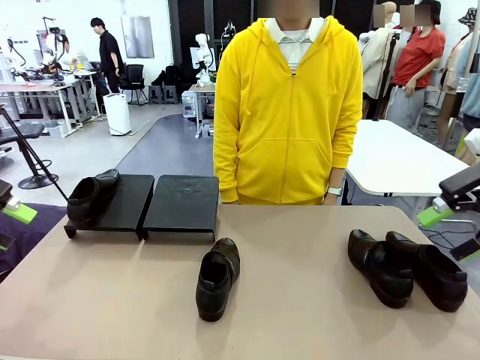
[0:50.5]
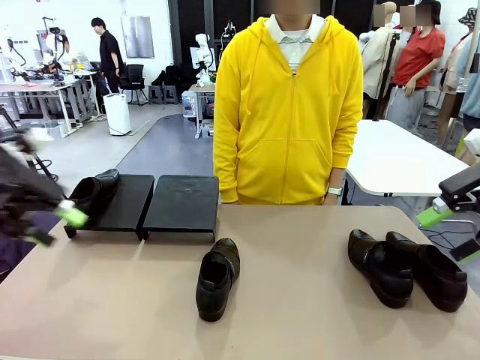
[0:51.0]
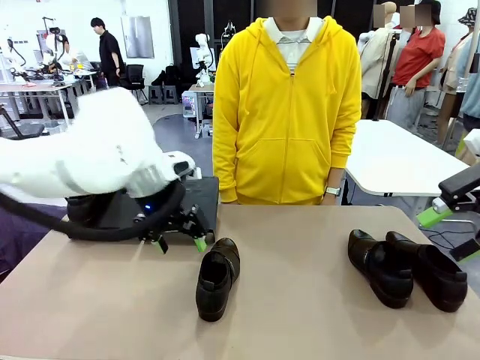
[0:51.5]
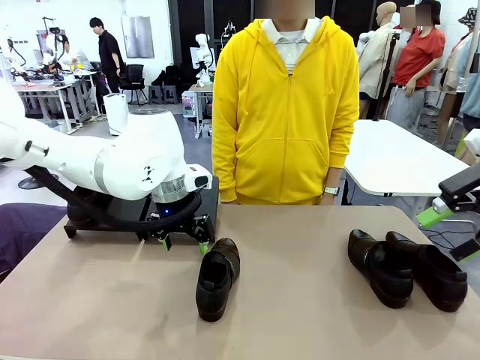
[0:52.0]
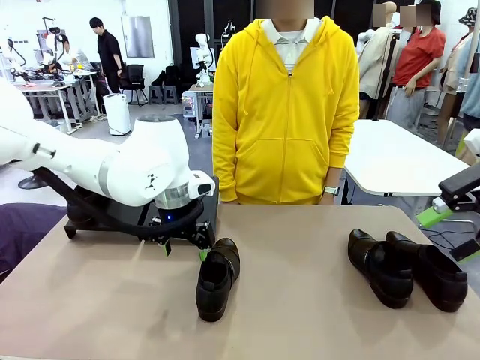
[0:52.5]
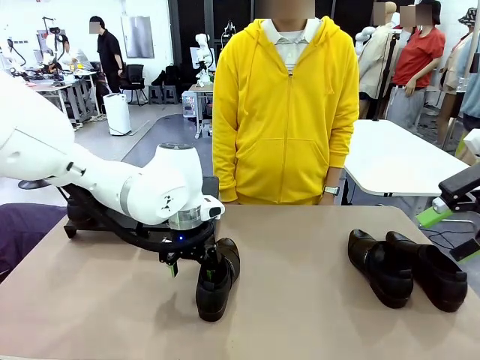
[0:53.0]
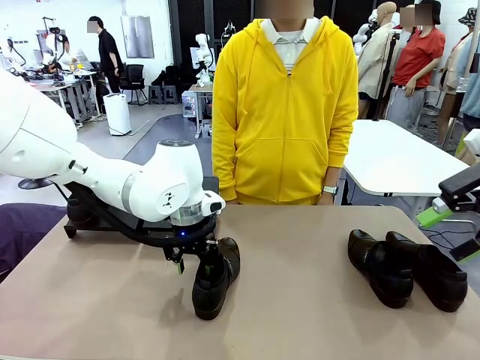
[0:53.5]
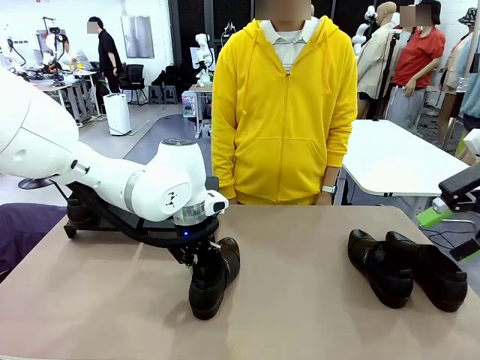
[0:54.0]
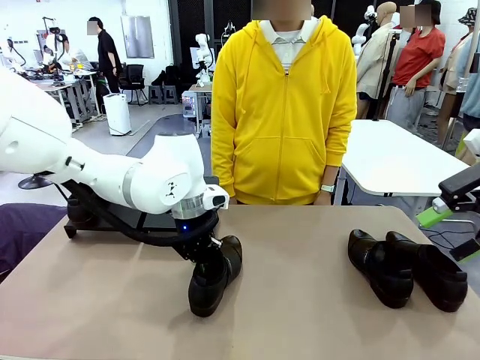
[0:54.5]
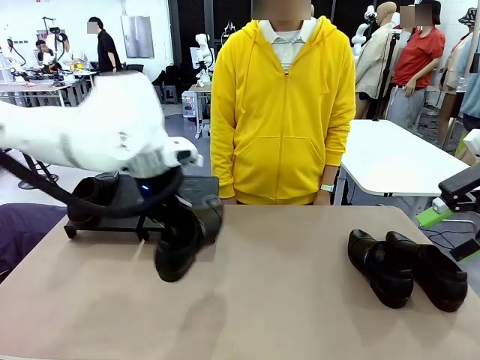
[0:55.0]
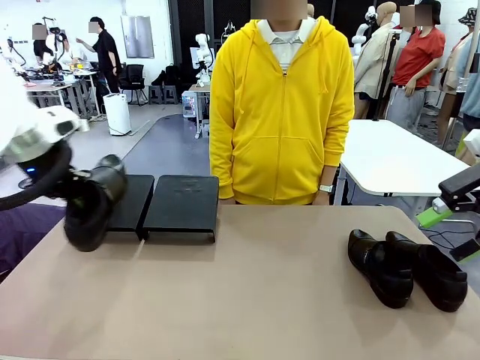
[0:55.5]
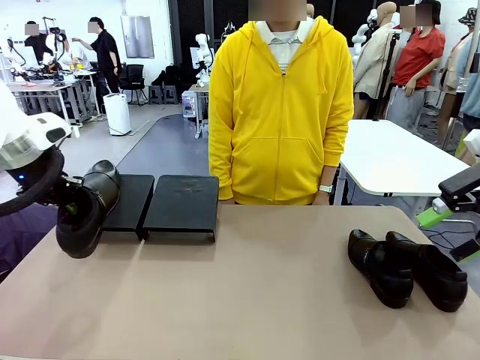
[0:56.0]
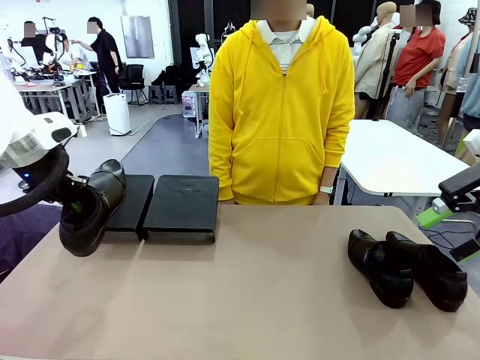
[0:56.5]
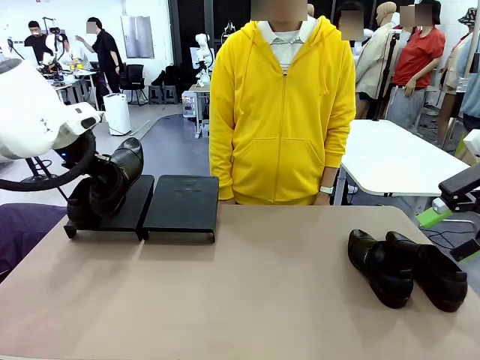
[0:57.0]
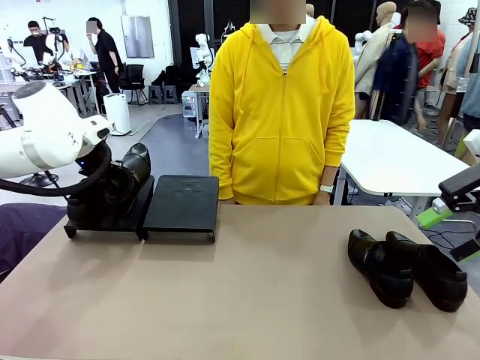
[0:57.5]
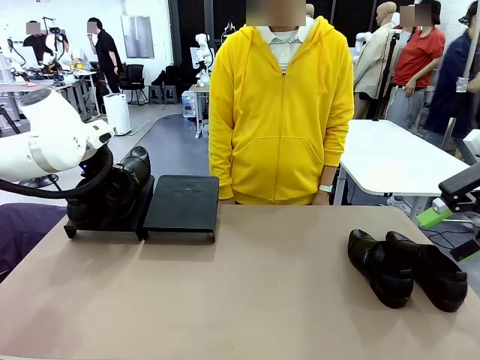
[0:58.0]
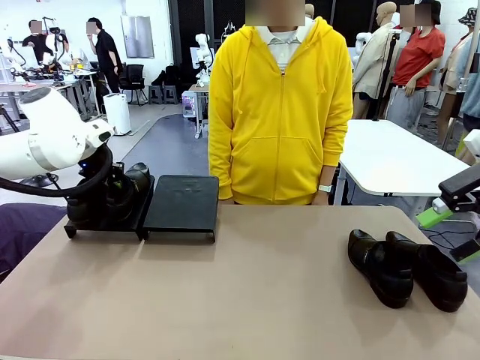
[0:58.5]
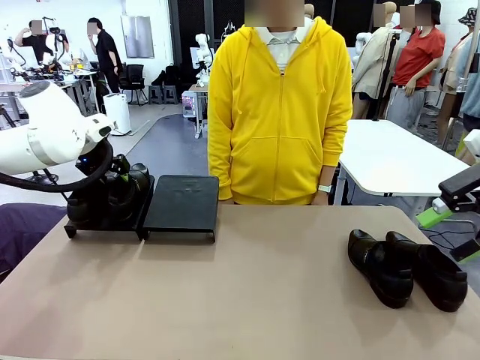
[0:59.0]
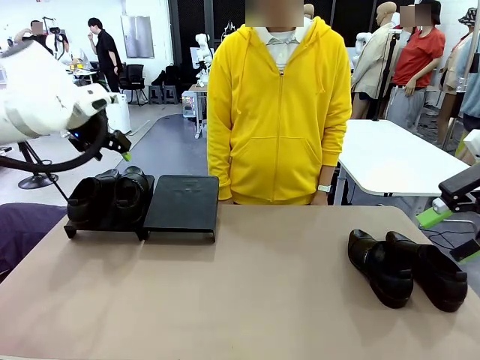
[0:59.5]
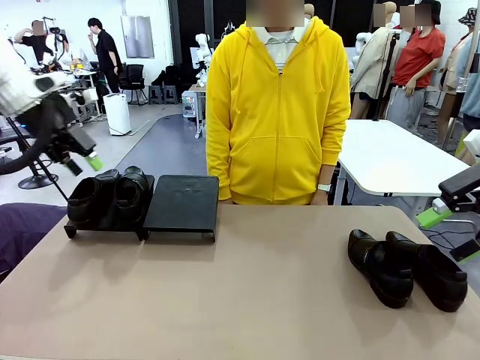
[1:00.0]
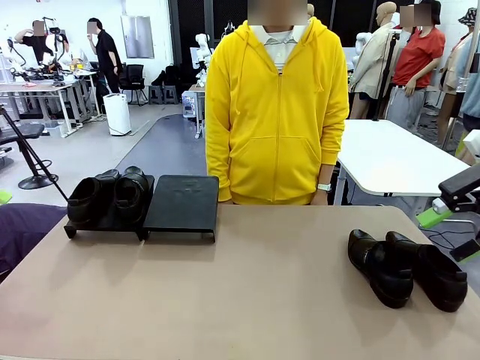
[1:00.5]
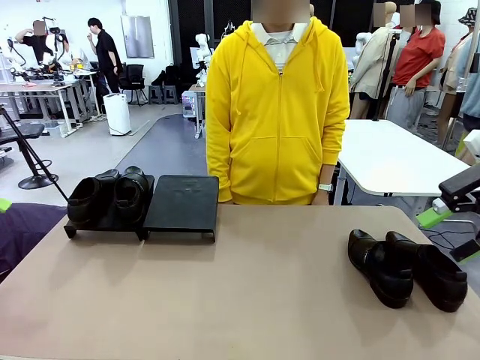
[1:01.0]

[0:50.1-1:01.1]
Task: Organize the shoes by placing them on the stand.
Robot: Place the Shoe from the middle of the table onto the Shoes Stand.

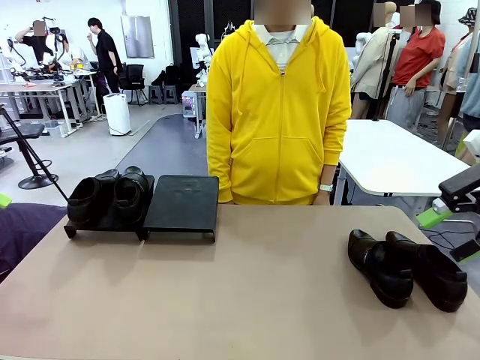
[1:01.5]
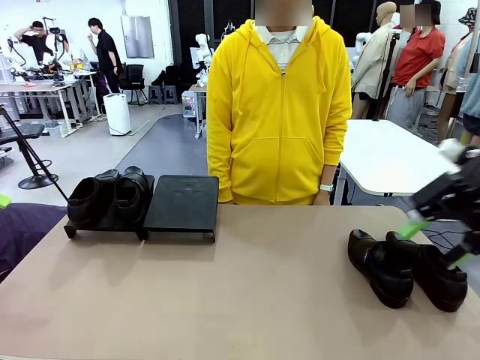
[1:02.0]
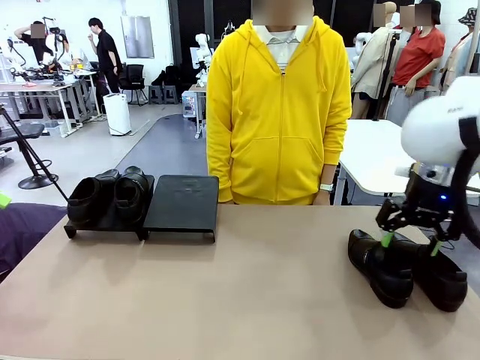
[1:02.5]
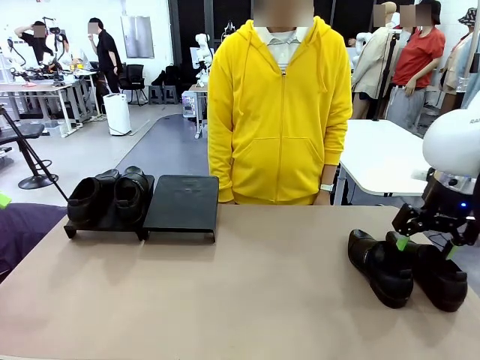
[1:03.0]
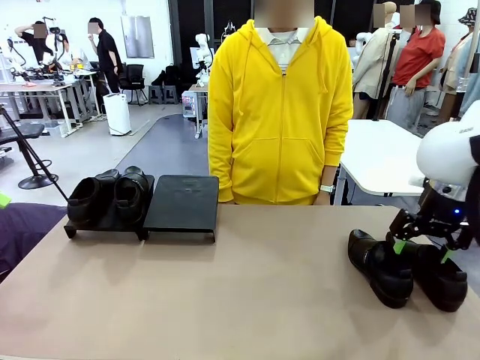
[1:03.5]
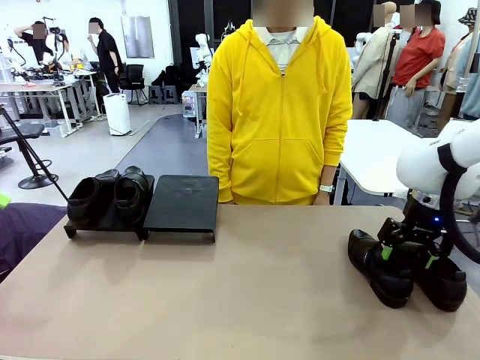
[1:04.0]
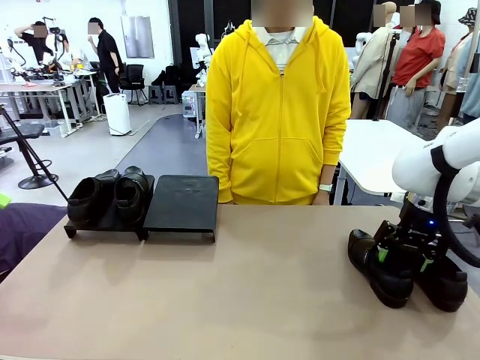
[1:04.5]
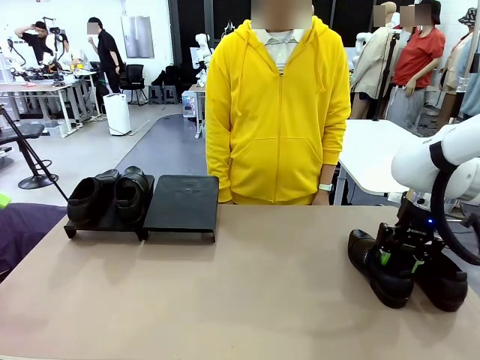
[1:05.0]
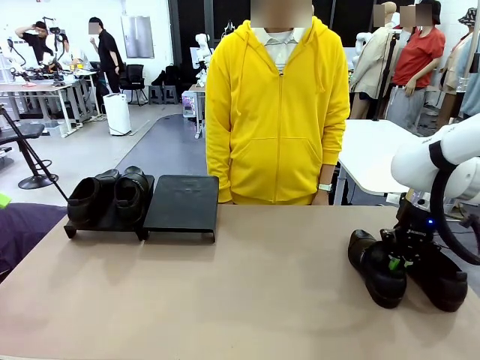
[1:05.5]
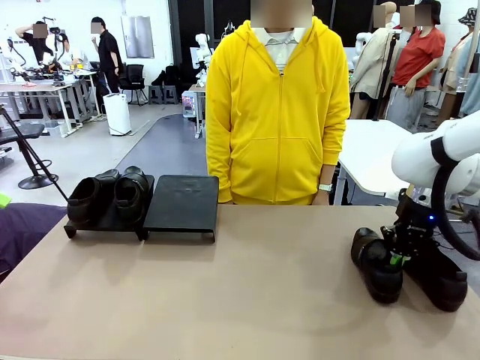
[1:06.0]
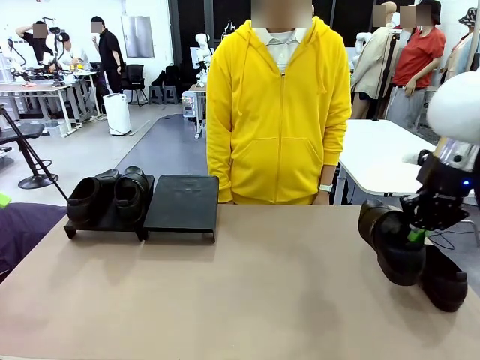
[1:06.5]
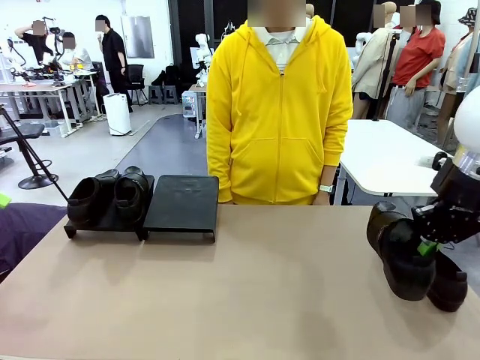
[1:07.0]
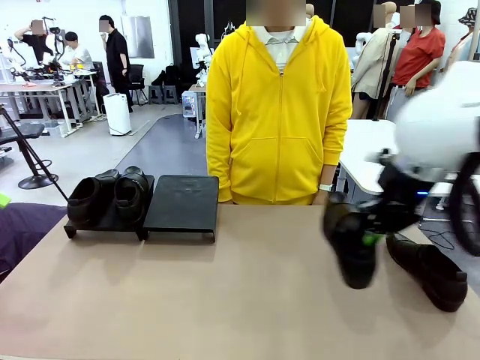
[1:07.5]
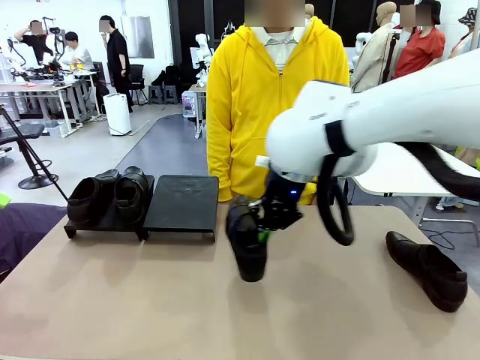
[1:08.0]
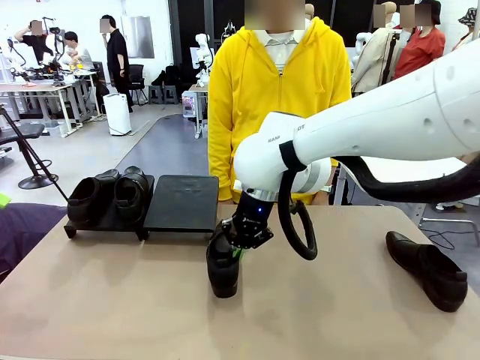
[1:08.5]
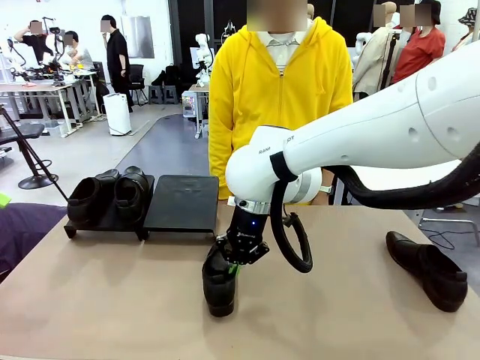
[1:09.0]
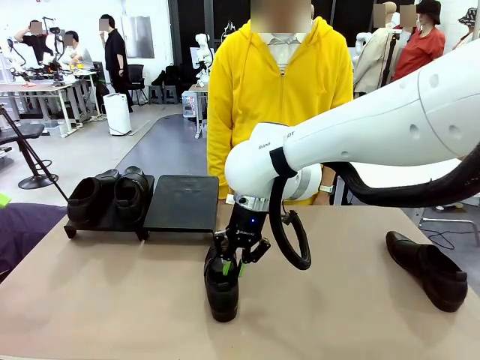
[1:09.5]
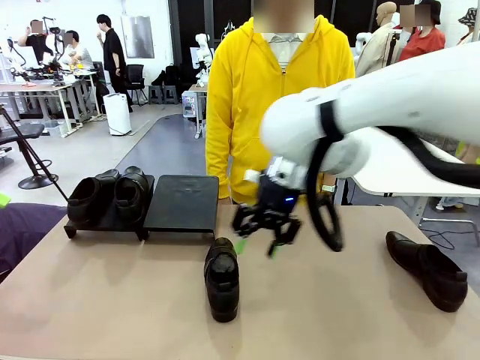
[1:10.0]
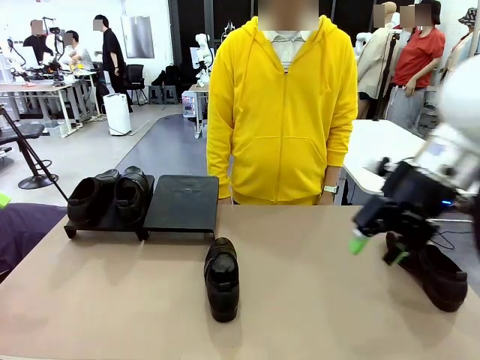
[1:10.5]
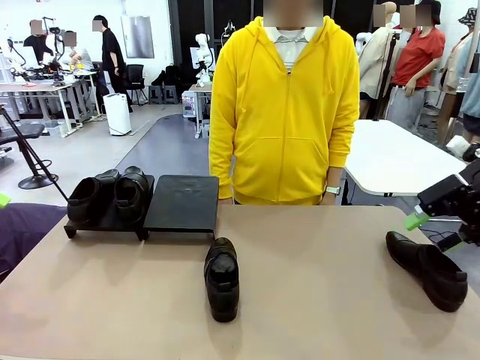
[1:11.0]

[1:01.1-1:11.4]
Robot: Pick up one Shoe and place it in the middle of the table.
